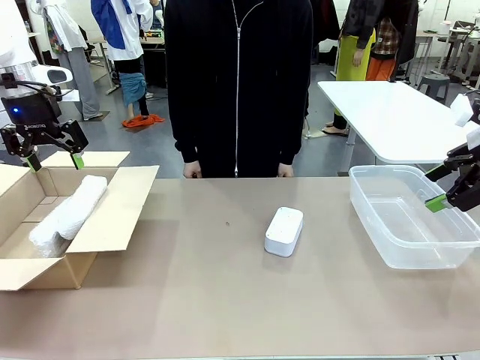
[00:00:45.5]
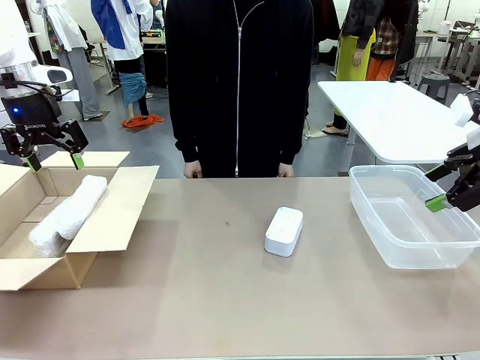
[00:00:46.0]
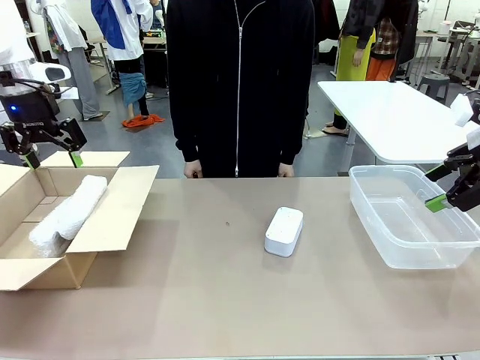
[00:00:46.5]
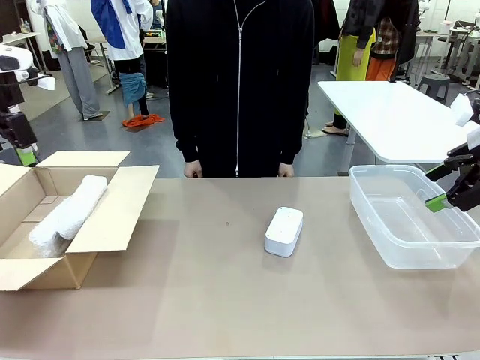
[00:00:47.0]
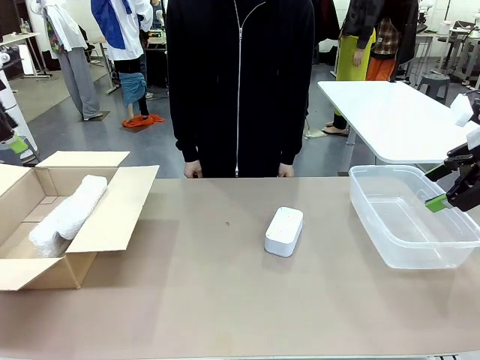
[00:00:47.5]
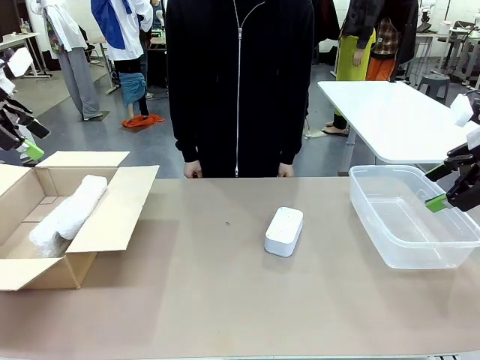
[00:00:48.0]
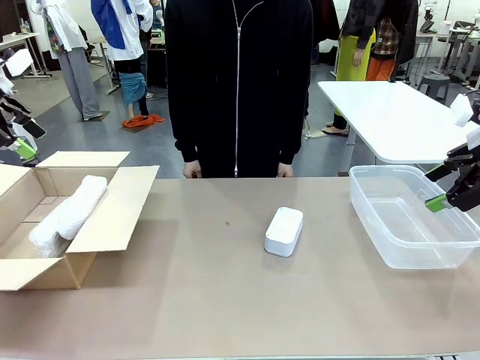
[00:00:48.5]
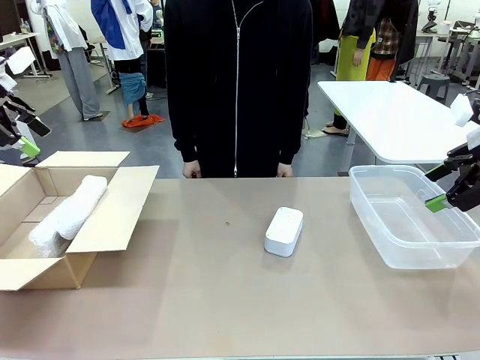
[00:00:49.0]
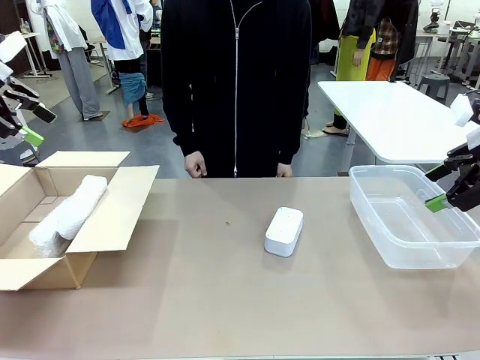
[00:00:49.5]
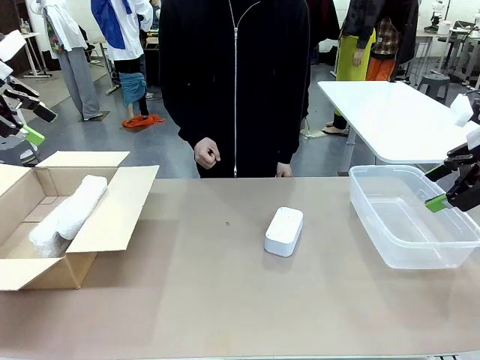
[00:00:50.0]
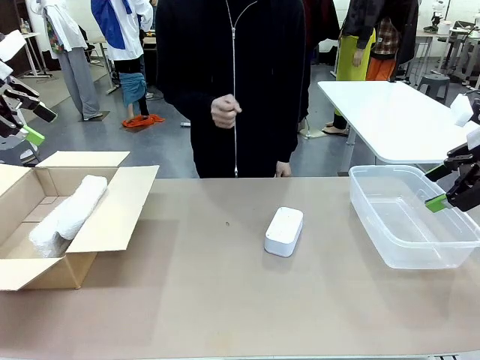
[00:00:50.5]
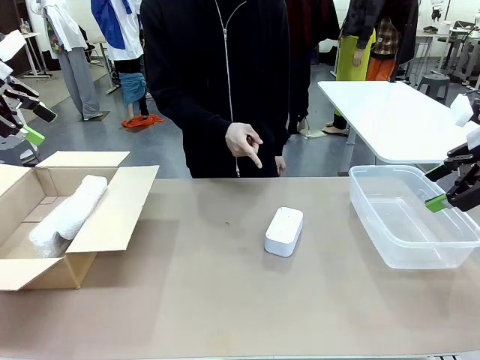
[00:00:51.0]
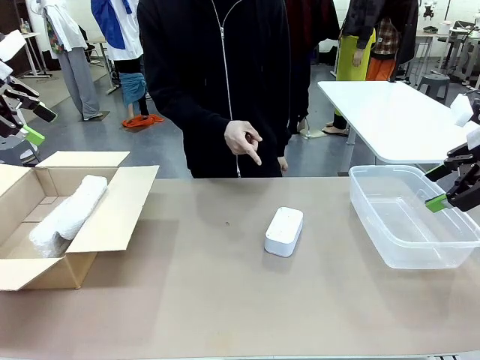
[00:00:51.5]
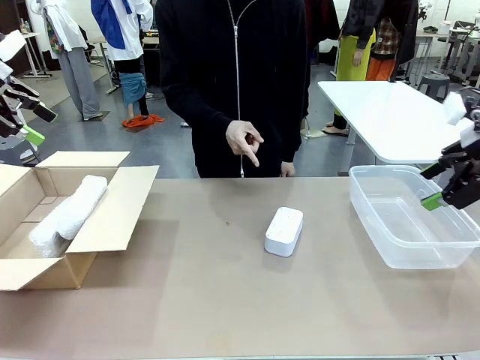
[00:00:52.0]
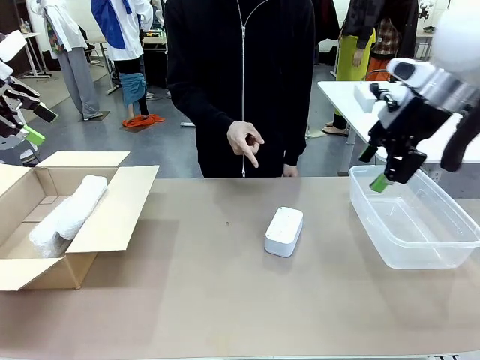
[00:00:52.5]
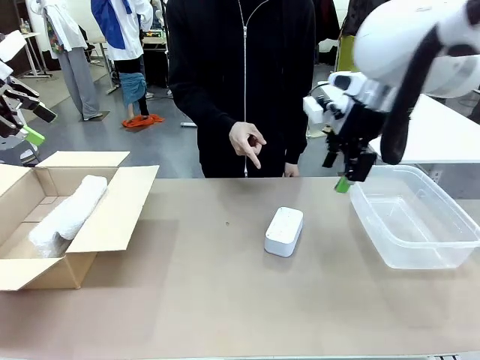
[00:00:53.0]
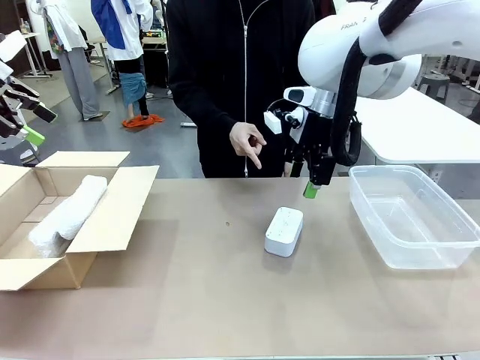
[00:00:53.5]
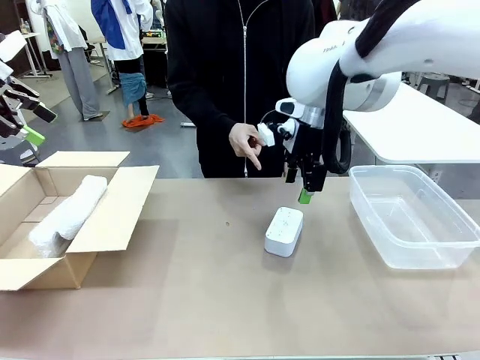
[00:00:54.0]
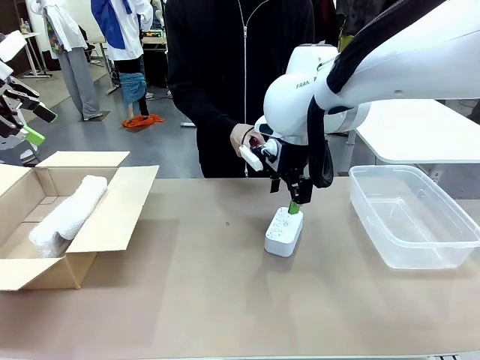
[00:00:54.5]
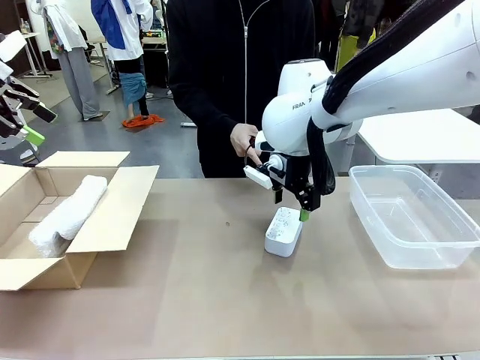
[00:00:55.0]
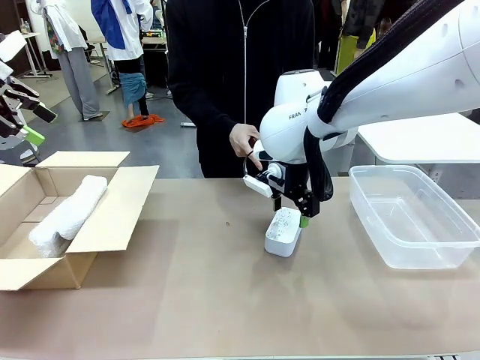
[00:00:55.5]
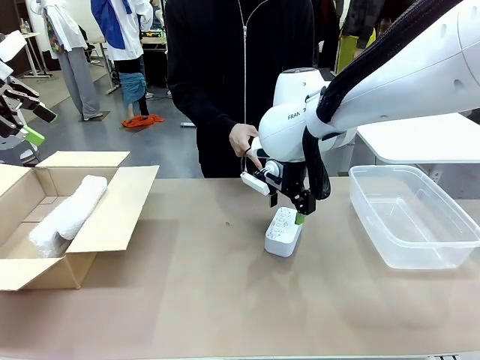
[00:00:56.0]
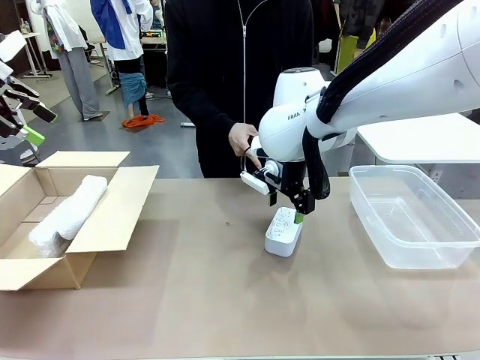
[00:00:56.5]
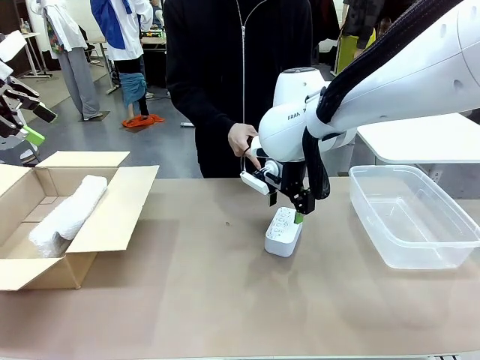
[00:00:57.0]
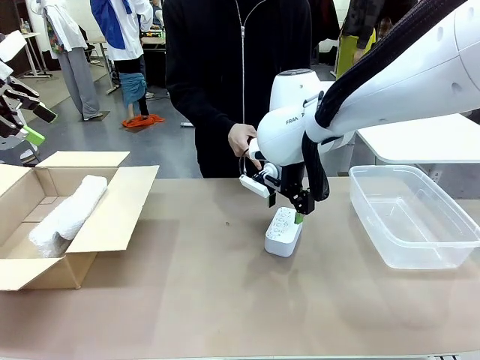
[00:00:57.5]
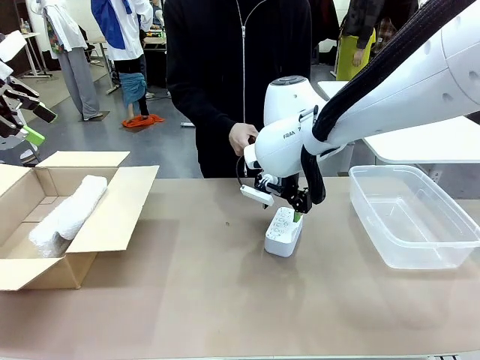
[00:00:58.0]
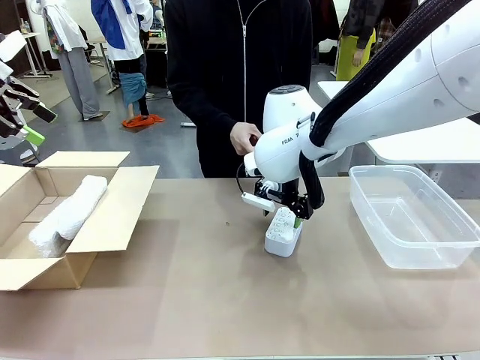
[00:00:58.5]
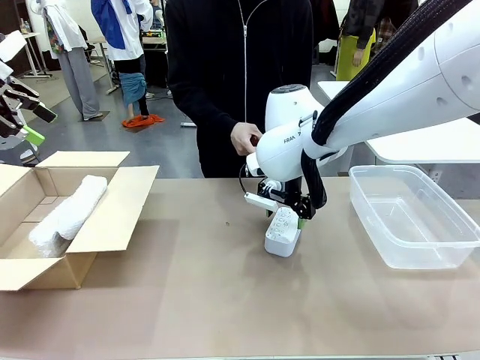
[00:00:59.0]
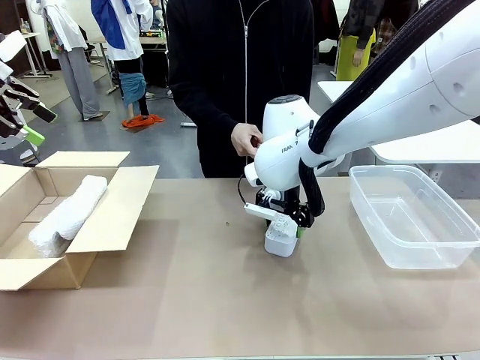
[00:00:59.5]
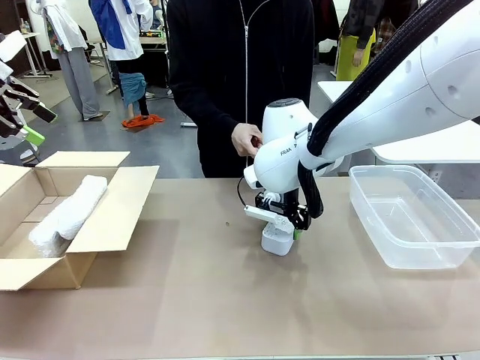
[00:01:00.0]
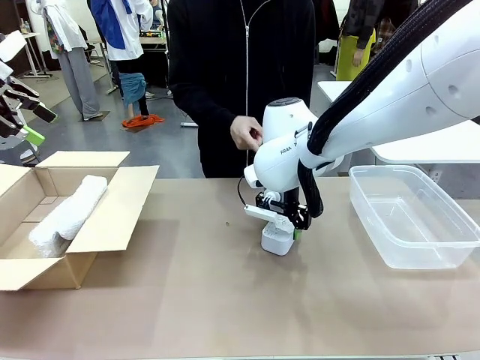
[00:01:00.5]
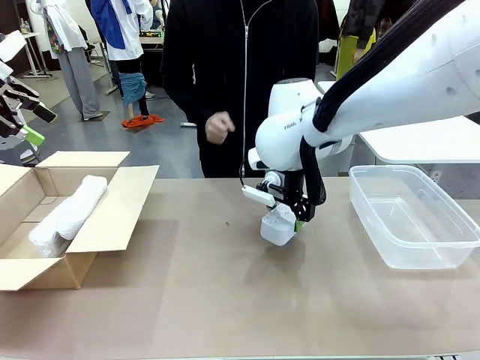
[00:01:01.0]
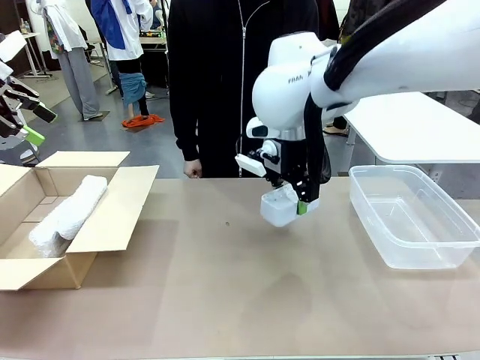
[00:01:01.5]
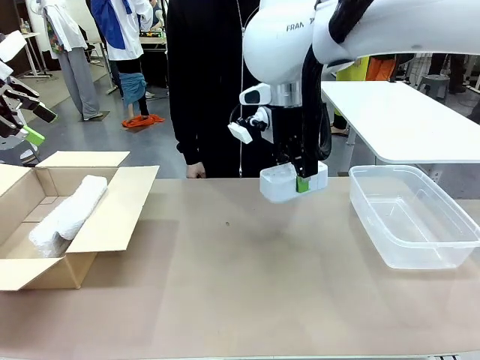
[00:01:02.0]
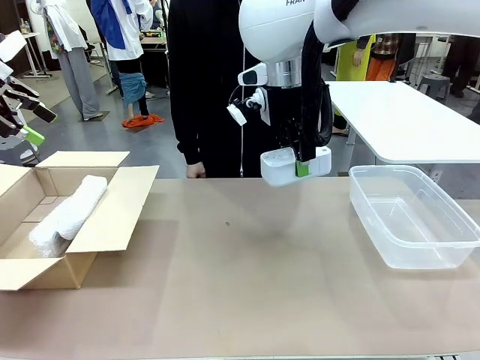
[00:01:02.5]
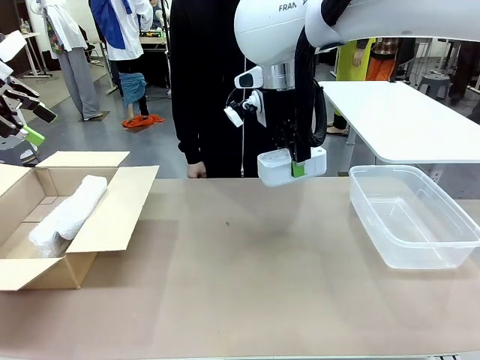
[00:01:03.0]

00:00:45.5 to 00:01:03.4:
Task: Separate and place wrapped and unwrapped clocks.
Robot: Pick up the Digital clock indicated by the person.

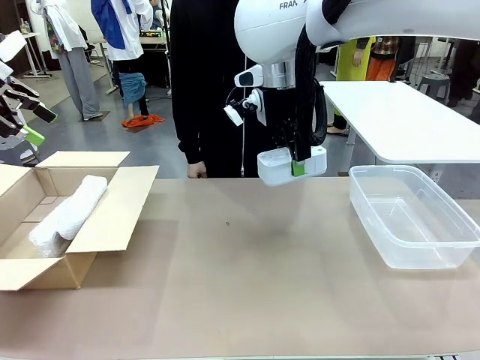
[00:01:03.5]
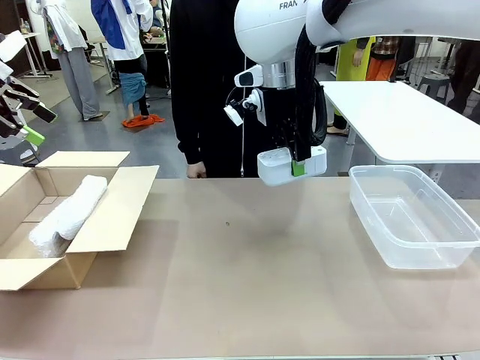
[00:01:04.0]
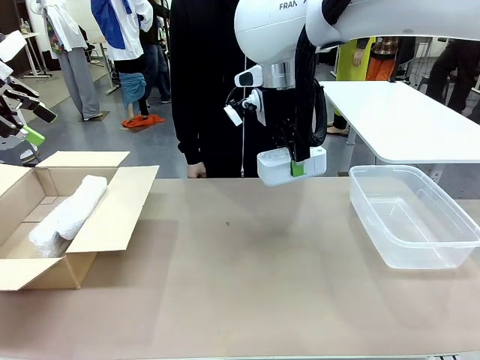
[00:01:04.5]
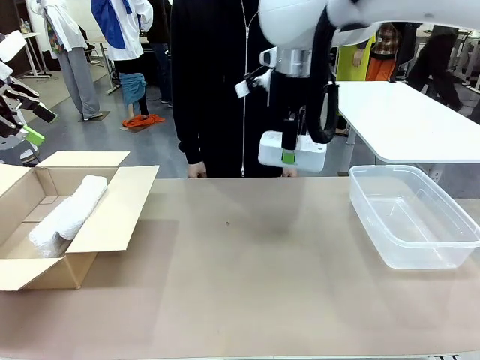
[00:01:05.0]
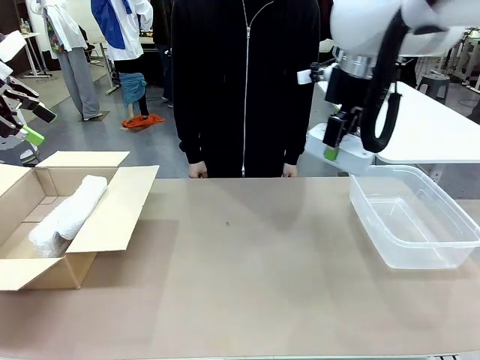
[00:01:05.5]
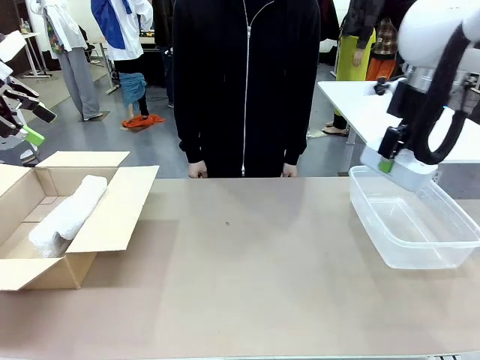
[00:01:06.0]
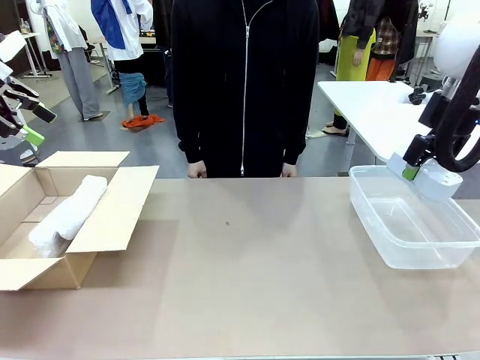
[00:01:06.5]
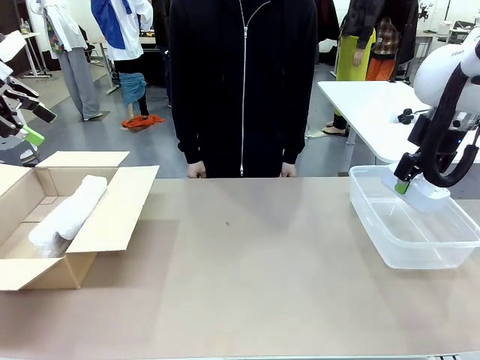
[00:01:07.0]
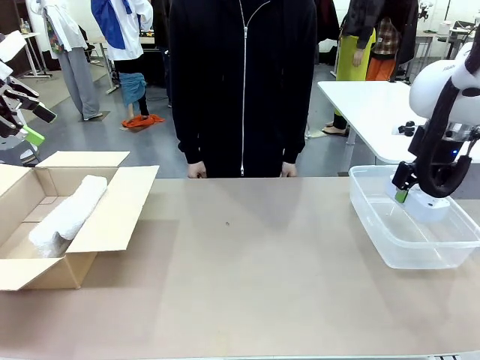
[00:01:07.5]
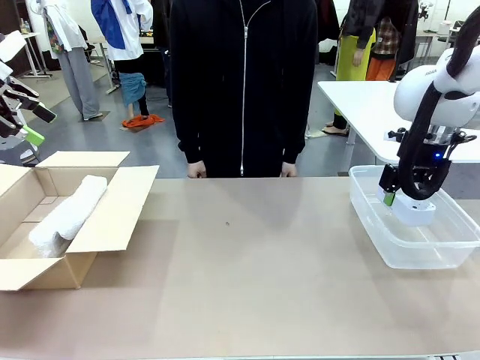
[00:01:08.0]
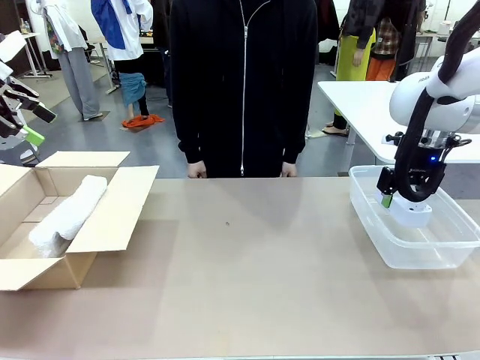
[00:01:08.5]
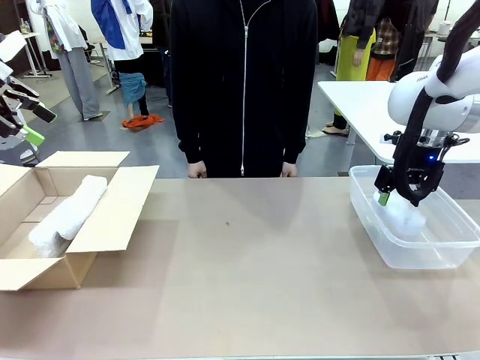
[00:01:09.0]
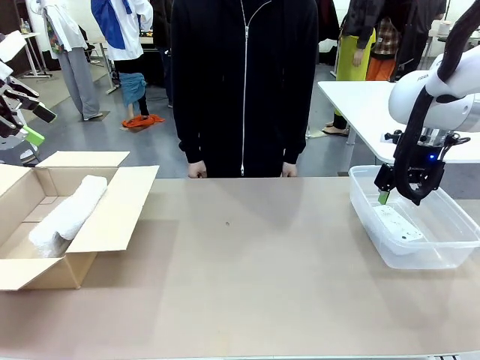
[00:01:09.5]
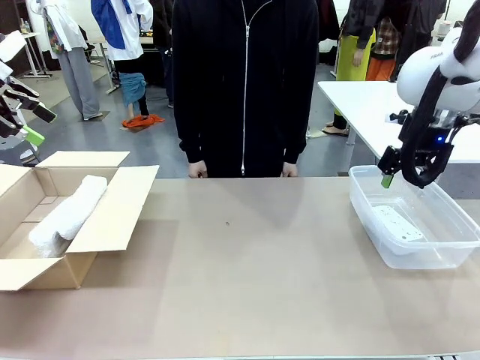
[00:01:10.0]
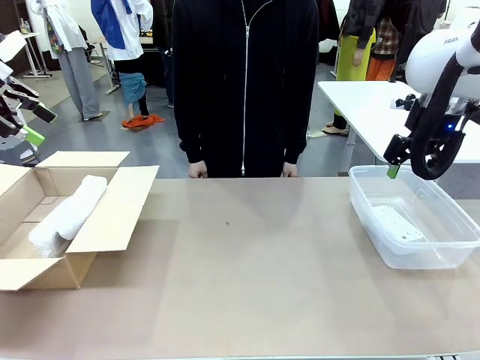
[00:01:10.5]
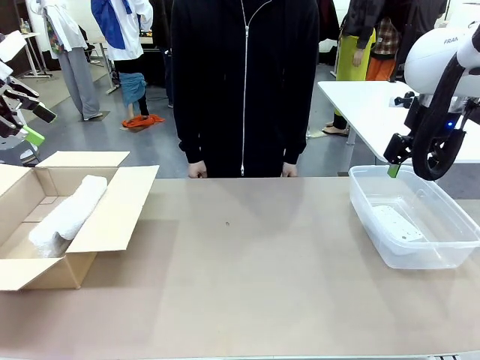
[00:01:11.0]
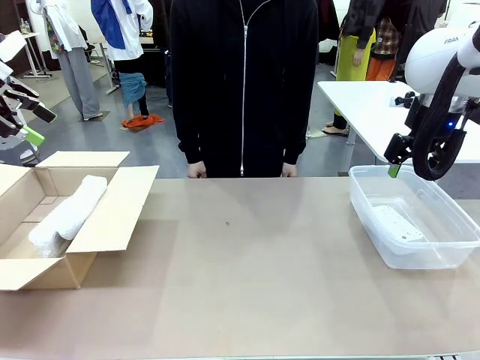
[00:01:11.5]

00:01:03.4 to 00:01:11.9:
Robot: If the picked Digital clock is wrapped, place it in the Package Box ; if not, place it in the Organizing box.

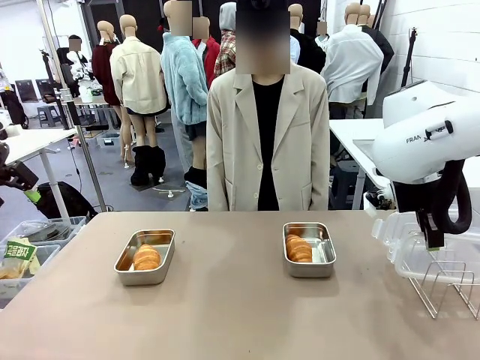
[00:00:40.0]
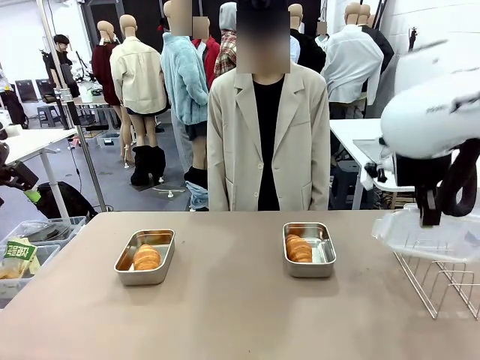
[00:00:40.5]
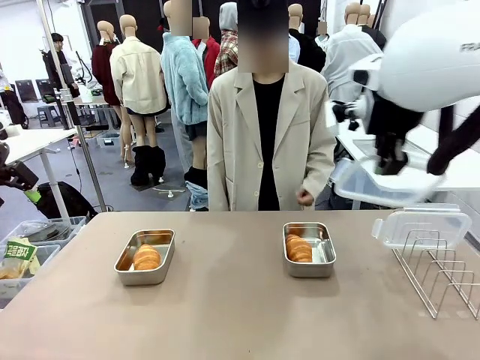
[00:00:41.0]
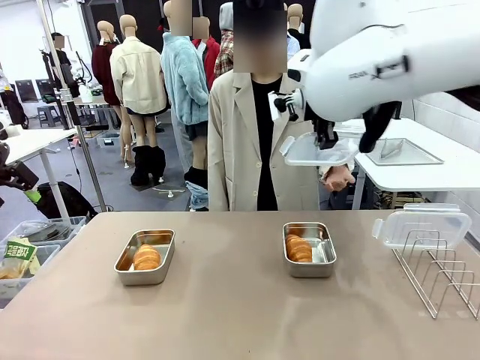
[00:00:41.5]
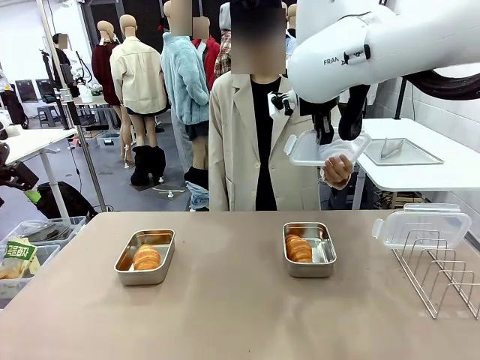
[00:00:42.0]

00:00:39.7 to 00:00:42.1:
Task: Place the bread in airtight containers.
Robot: Release when the human grabs the Airtight Container lid.
